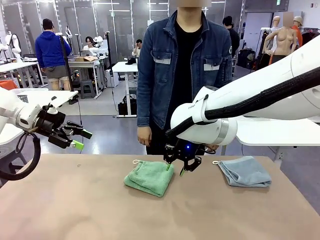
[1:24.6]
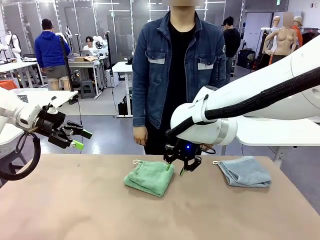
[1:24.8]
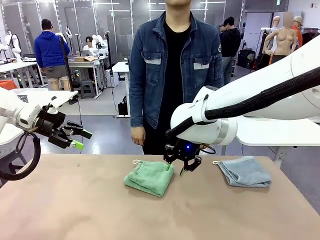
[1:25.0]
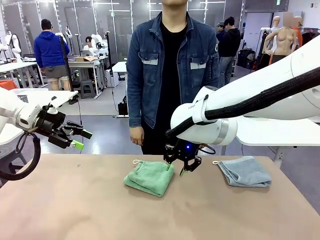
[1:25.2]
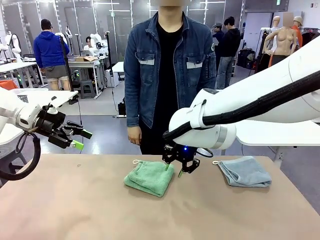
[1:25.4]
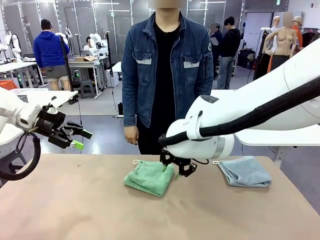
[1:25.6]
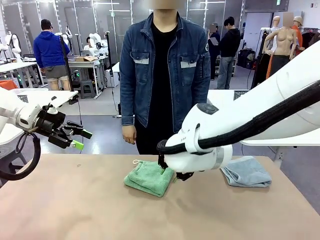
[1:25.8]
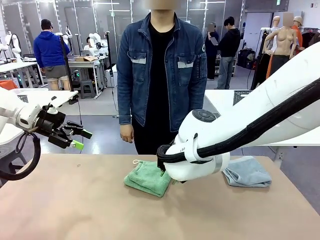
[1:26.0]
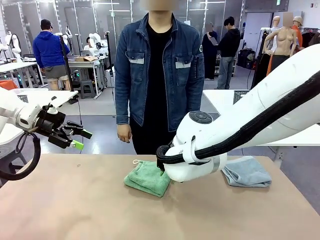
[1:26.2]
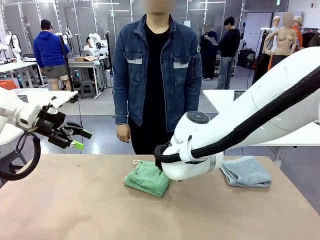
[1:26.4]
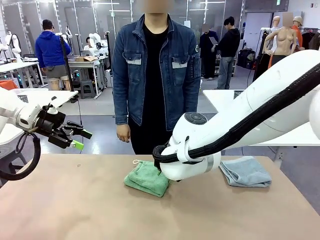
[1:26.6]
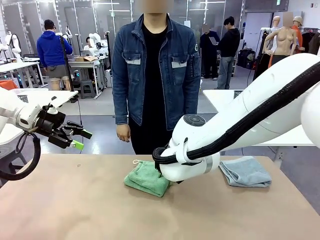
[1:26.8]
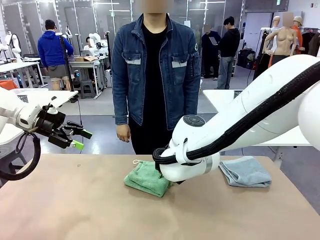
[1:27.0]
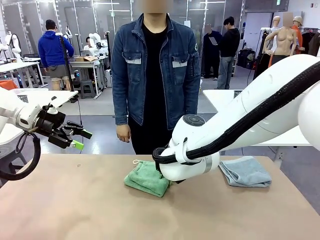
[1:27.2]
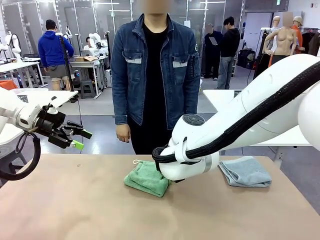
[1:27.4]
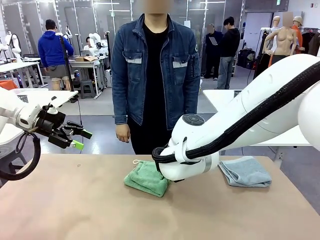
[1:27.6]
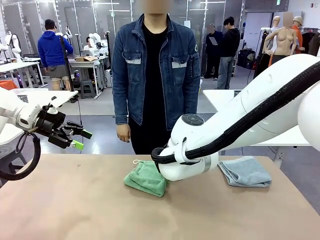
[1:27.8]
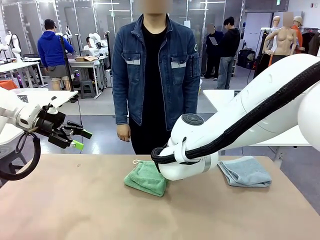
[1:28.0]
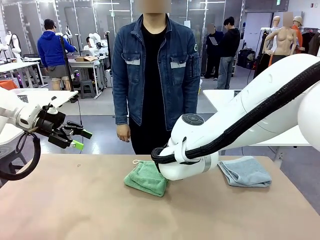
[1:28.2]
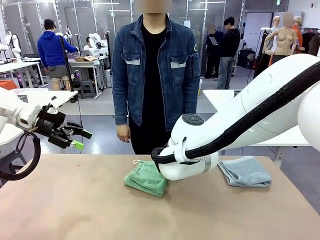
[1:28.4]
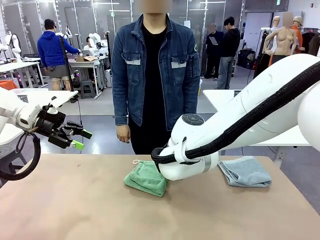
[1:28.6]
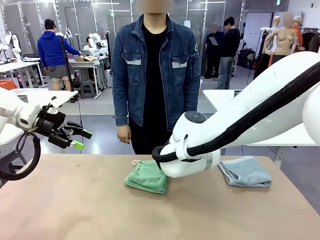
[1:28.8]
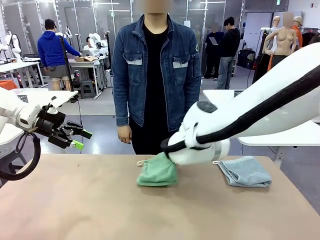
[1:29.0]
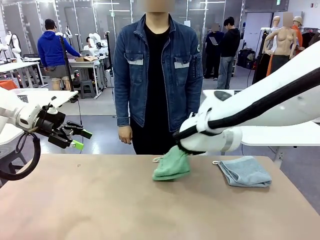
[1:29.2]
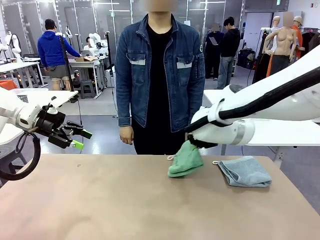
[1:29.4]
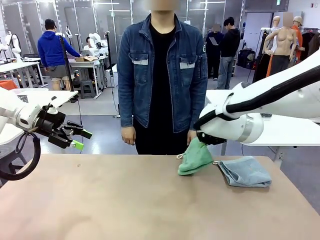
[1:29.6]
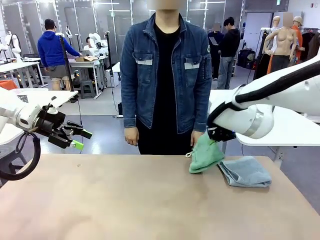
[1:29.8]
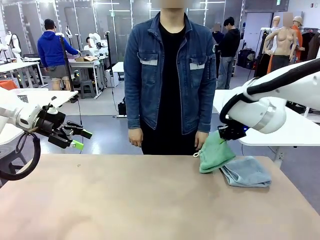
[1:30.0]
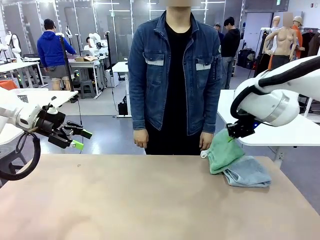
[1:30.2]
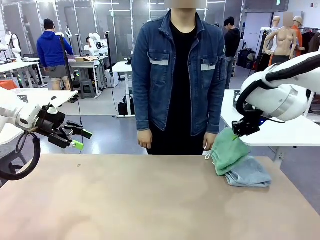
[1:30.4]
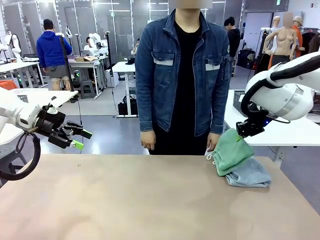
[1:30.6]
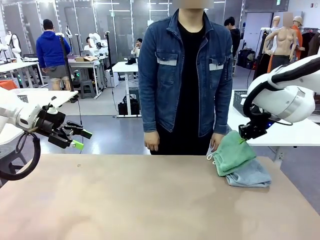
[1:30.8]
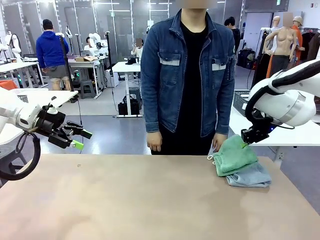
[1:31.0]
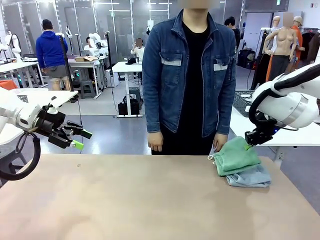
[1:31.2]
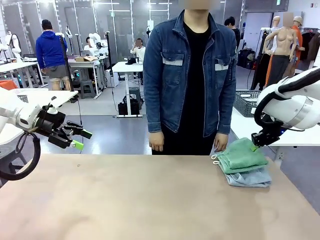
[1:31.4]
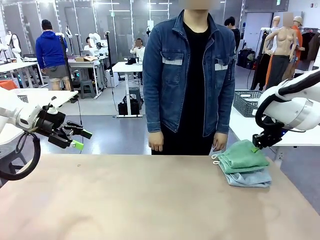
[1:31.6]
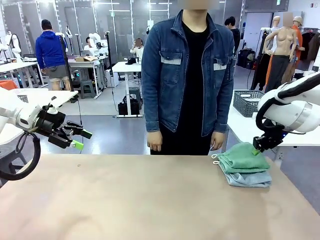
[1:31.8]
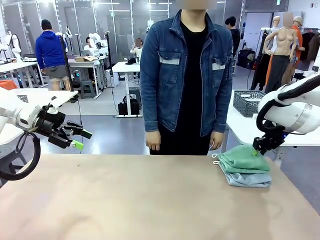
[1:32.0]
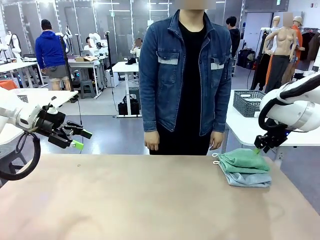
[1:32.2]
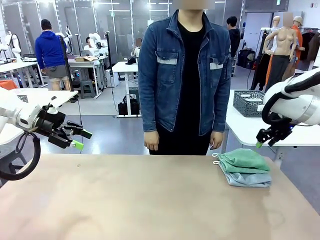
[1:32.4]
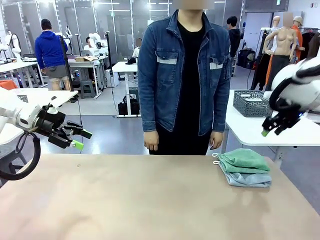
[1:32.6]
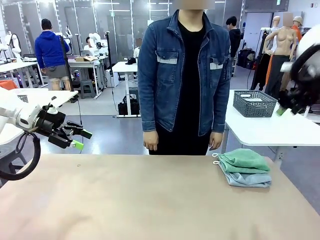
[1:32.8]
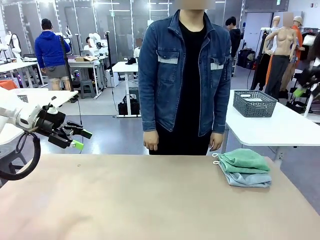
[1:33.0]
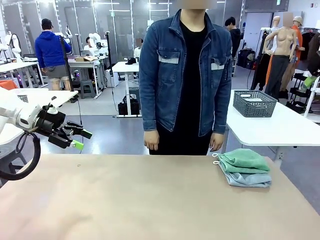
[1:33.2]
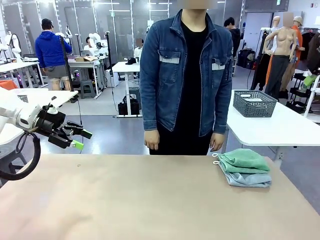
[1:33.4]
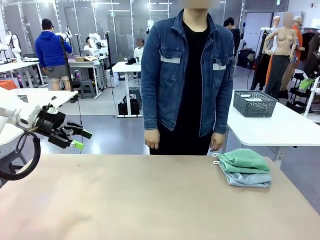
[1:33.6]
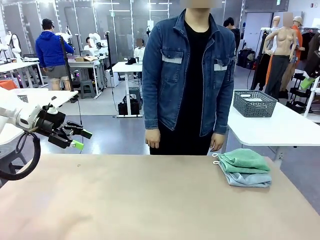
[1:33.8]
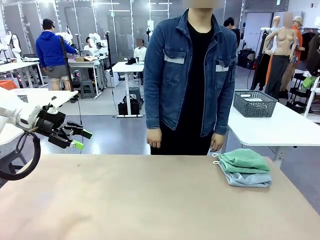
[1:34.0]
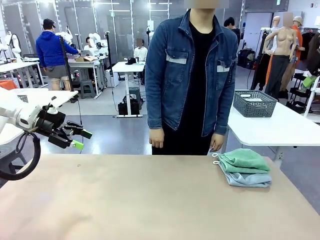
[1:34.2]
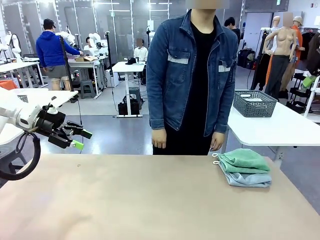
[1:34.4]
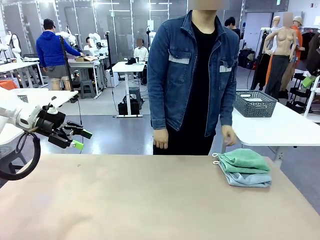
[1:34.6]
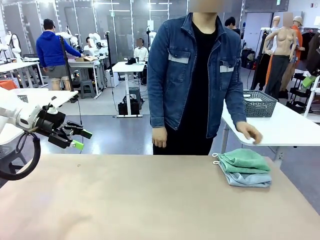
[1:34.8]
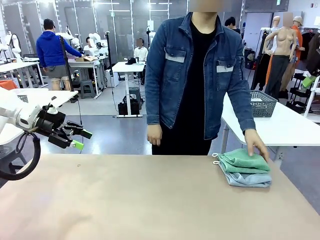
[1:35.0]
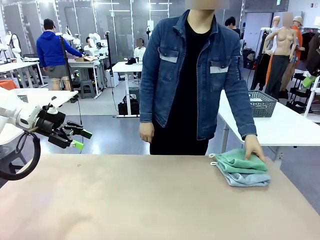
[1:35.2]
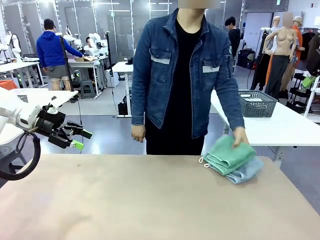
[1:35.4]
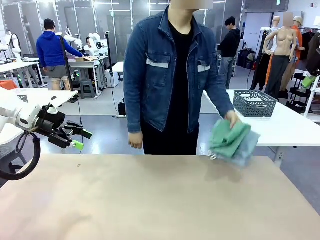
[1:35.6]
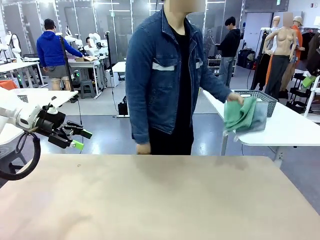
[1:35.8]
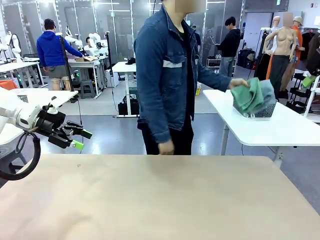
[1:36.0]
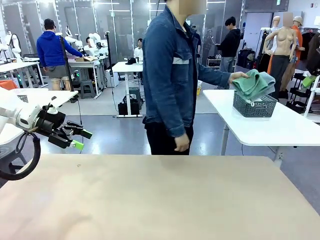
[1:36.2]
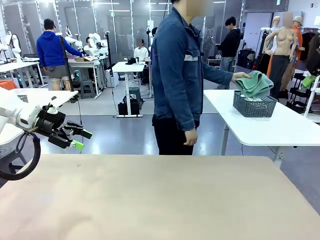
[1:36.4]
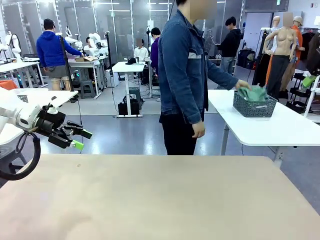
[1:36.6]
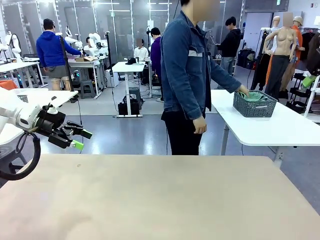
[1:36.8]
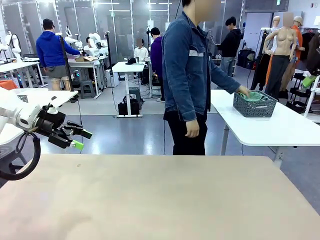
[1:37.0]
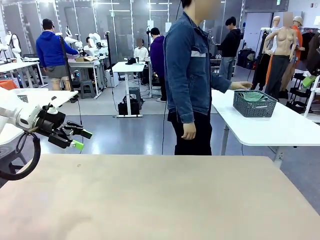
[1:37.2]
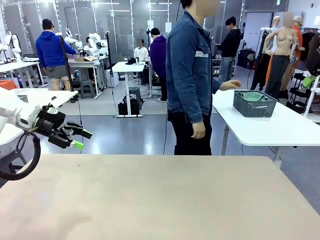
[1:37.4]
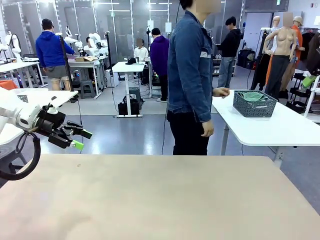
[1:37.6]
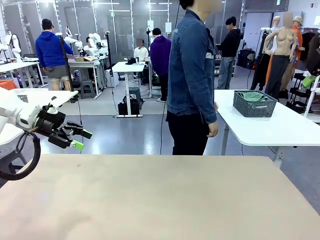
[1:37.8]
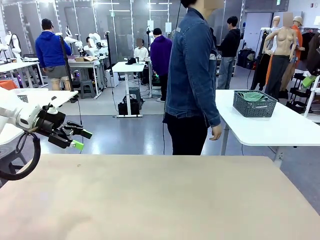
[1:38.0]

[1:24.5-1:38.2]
Task: Fold the towels and place them in the basket.
Robot: Stack the folded Towel with hook on the right side of the table.
Person: Pick up the stack of towels from the robot table and place it into the basket.

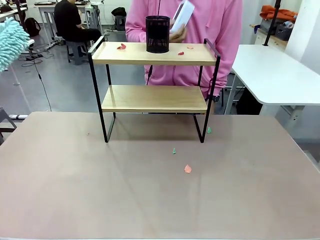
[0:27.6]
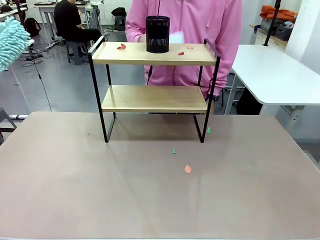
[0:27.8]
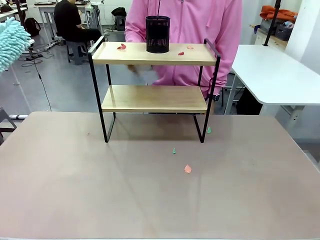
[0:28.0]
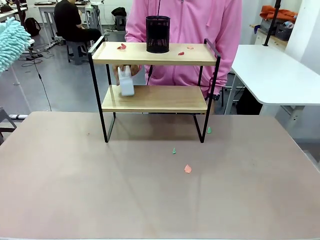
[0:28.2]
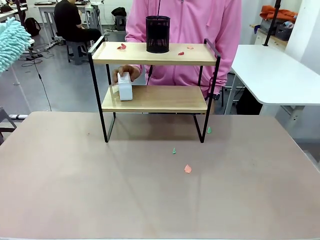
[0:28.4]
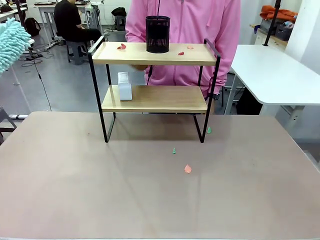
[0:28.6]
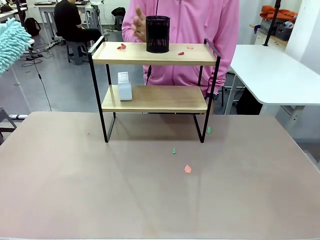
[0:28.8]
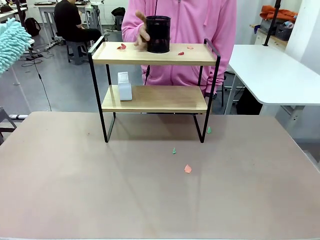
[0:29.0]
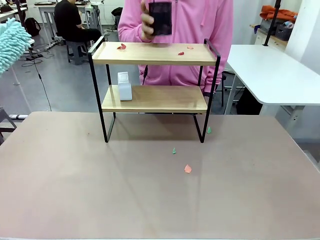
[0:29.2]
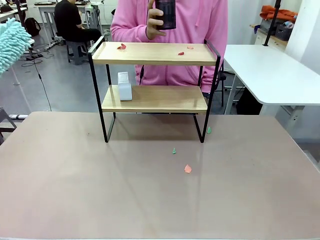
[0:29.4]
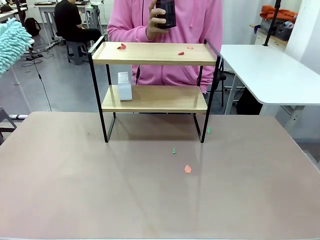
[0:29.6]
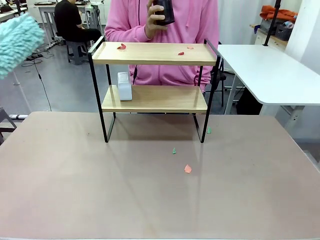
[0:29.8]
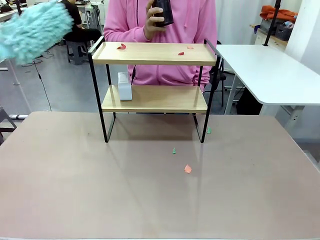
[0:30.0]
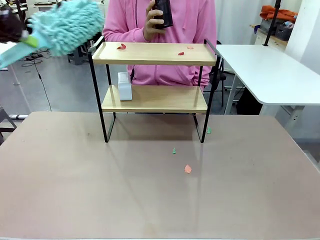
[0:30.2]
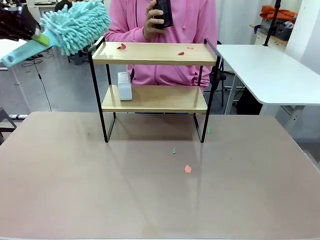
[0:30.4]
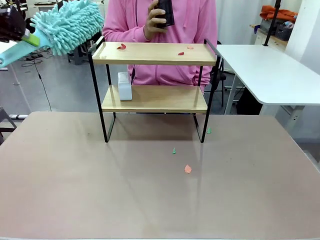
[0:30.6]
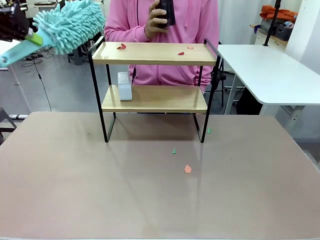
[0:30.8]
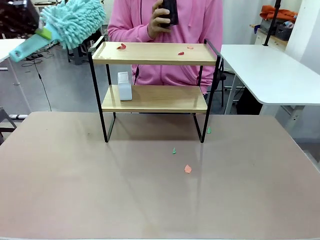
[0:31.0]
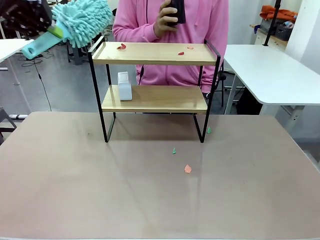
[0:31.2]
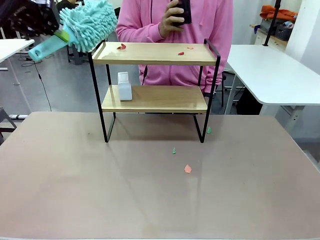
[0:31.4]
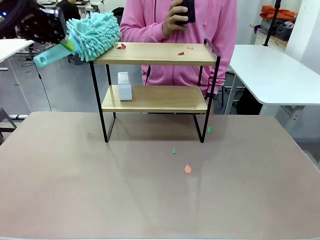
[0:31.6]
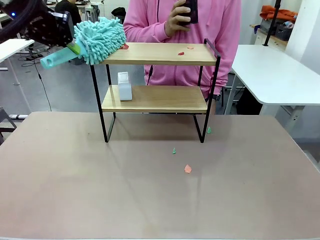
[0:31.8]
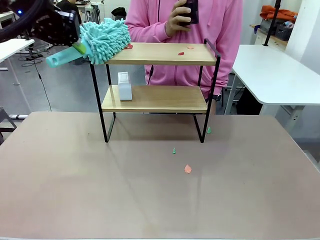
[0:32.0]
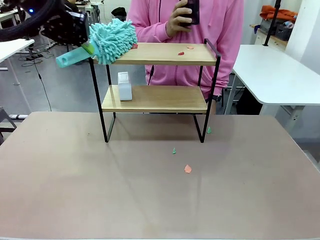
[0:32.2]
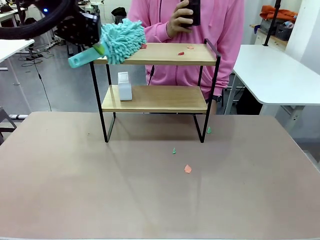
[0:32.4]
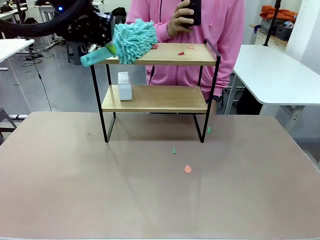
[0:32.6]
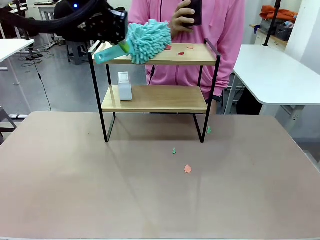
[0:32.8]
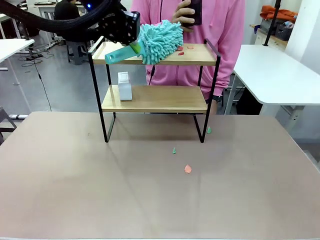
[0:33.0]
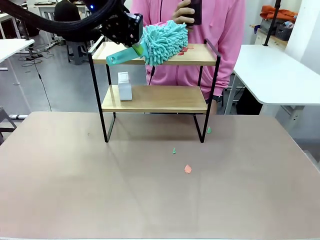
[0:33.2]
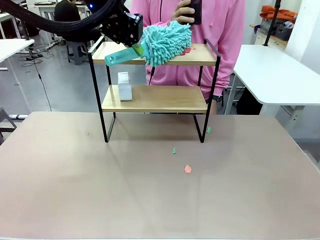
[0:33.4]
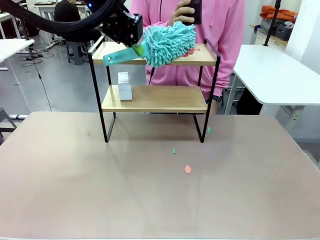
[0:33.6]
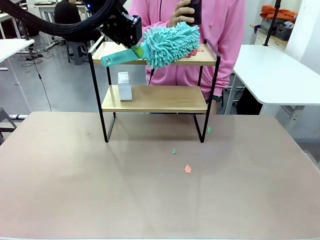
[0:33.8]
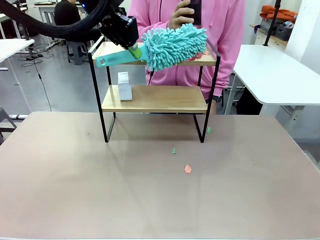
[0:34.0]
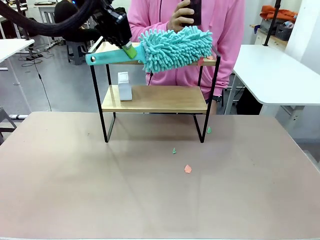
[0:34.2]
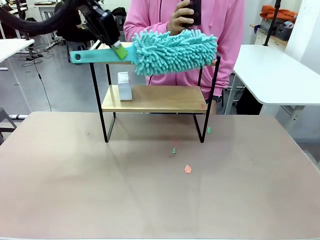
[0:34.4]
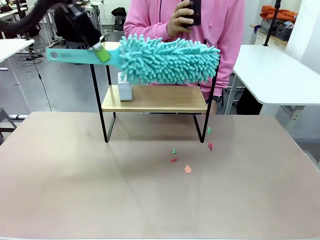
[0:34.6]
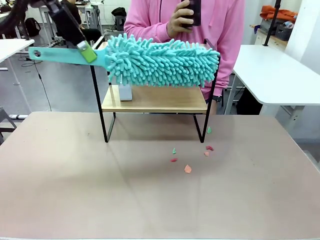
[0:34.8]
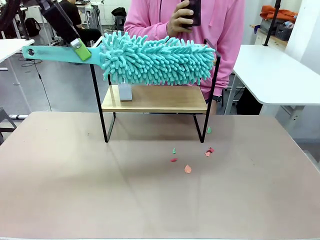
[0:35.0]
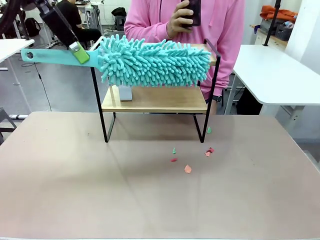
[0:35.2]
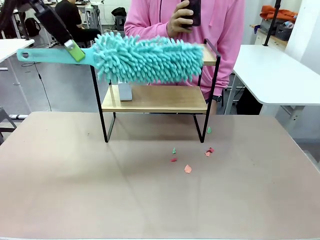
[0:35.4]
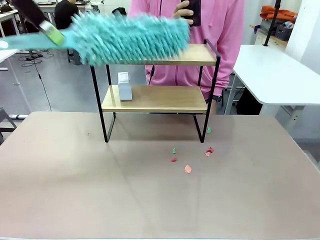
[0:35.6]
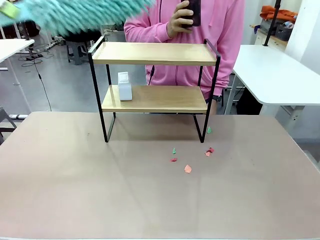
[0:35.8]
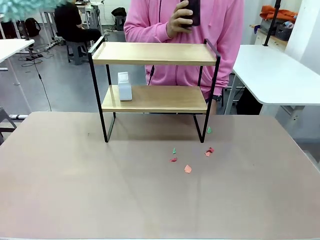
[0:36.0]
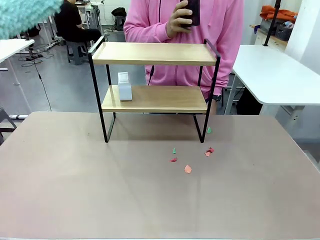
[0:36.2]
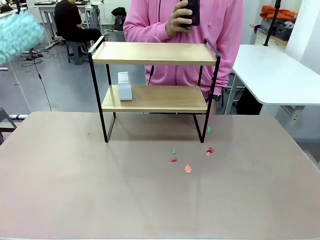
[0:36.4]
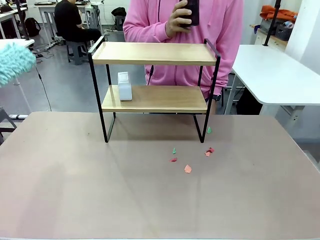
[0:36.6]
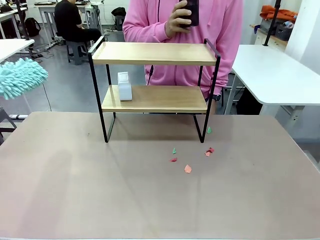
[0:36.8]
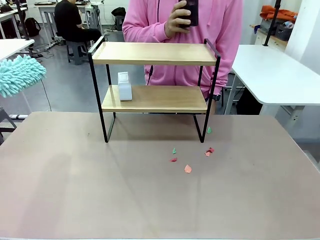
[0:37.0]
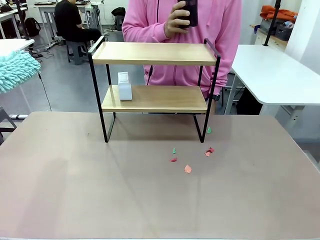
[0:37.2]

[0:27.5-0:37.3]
Task: Clean the shelf.
Robot: Clean the remaining tier of the Shelf with the Duster once objects are removed.
